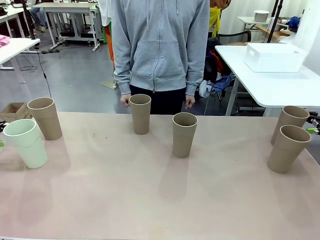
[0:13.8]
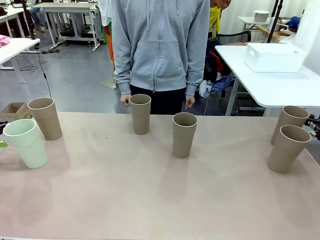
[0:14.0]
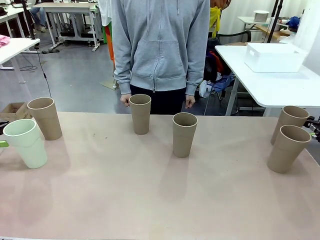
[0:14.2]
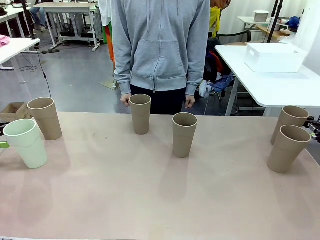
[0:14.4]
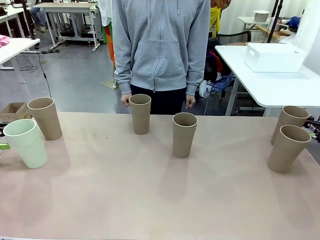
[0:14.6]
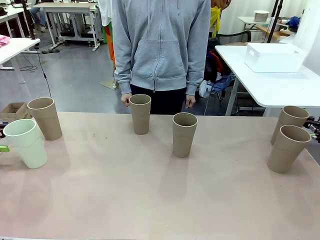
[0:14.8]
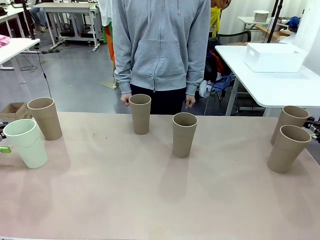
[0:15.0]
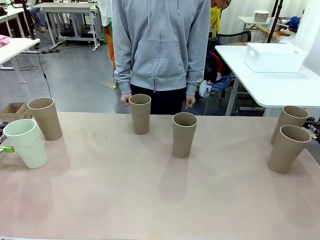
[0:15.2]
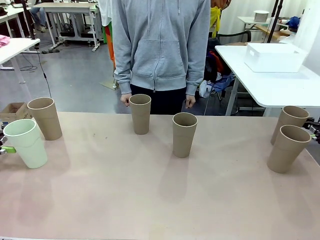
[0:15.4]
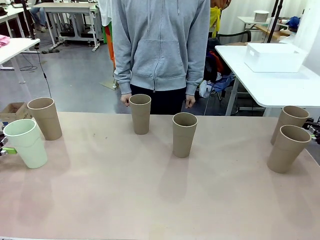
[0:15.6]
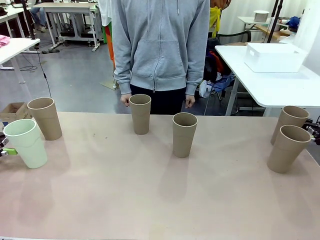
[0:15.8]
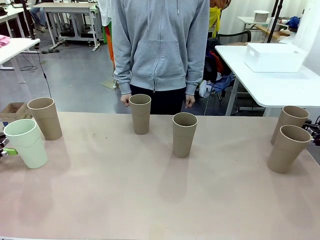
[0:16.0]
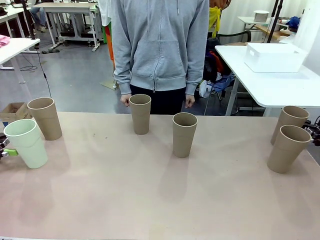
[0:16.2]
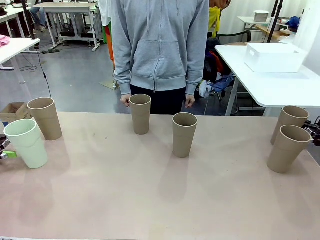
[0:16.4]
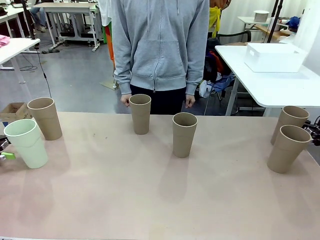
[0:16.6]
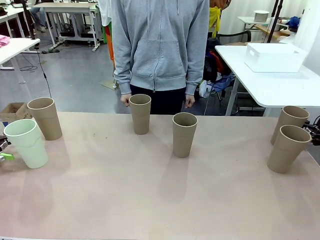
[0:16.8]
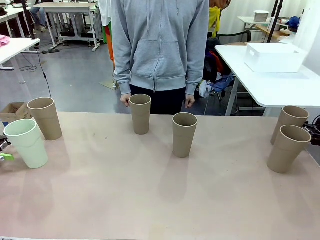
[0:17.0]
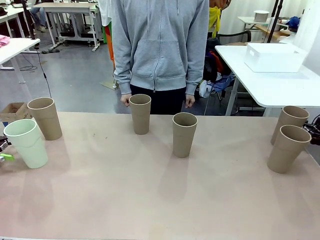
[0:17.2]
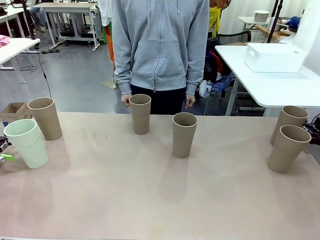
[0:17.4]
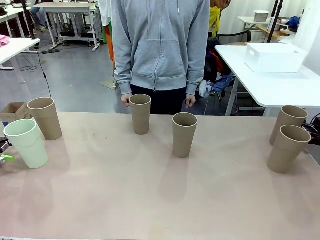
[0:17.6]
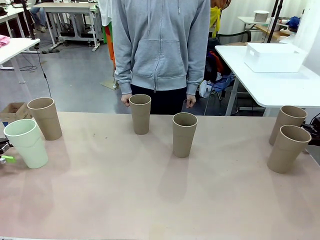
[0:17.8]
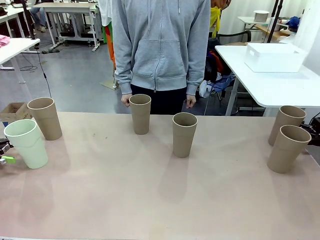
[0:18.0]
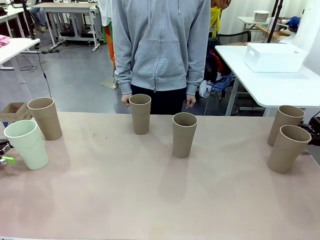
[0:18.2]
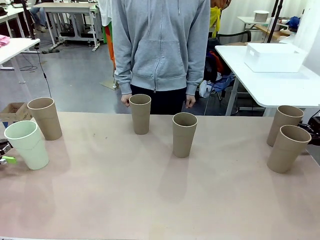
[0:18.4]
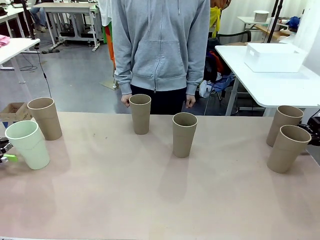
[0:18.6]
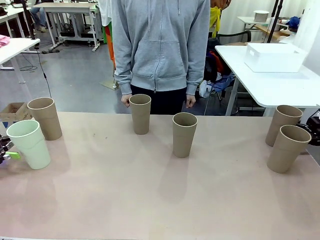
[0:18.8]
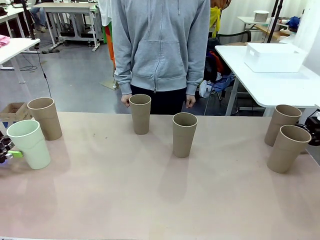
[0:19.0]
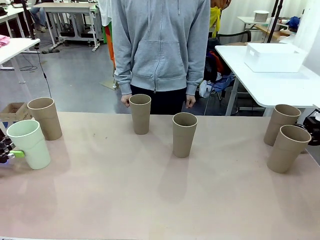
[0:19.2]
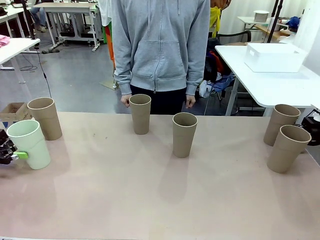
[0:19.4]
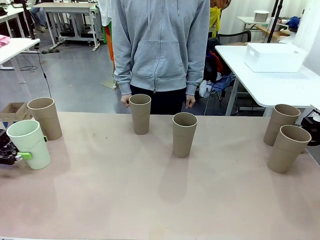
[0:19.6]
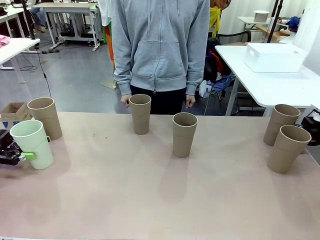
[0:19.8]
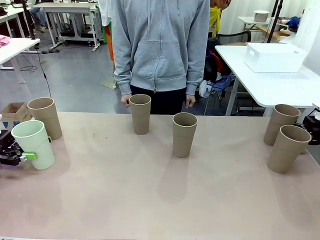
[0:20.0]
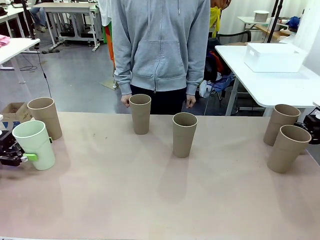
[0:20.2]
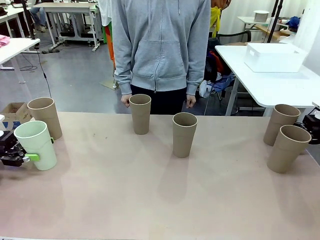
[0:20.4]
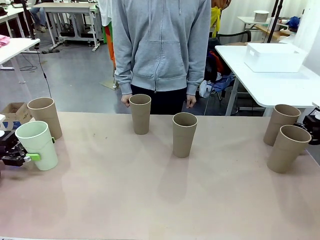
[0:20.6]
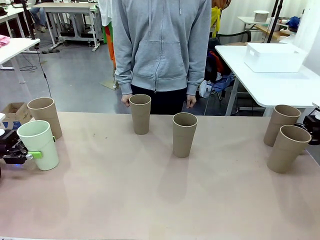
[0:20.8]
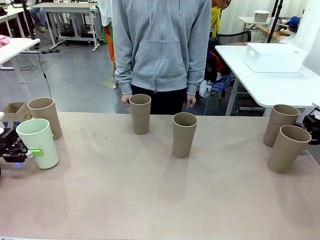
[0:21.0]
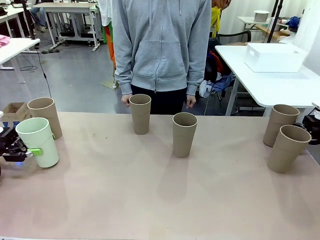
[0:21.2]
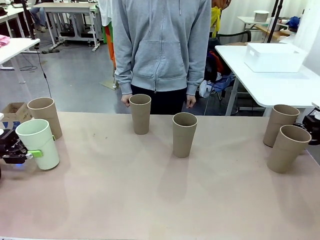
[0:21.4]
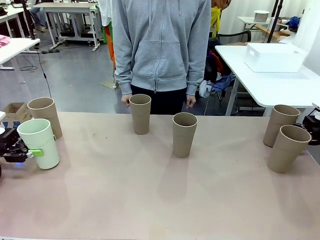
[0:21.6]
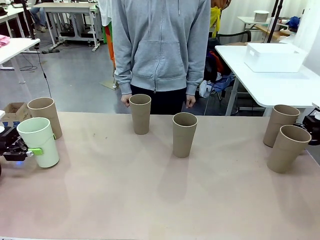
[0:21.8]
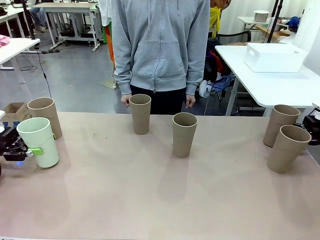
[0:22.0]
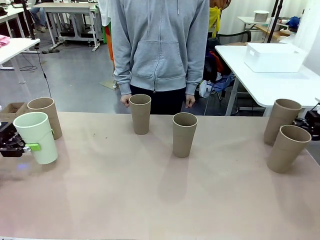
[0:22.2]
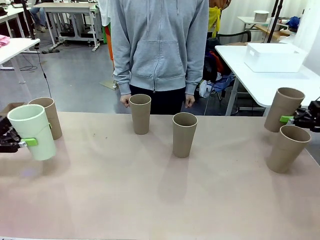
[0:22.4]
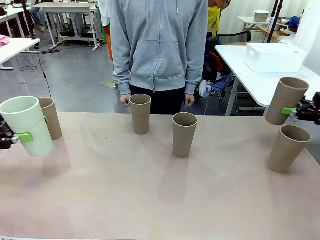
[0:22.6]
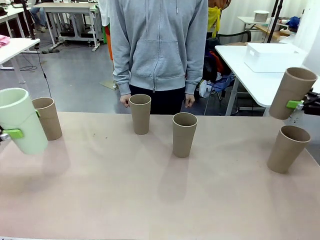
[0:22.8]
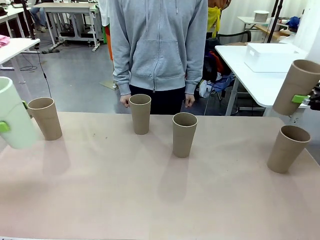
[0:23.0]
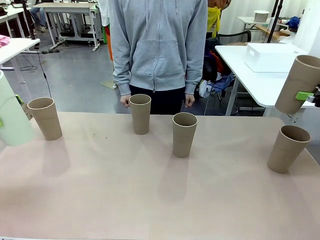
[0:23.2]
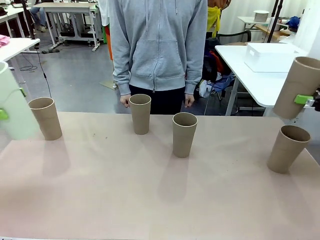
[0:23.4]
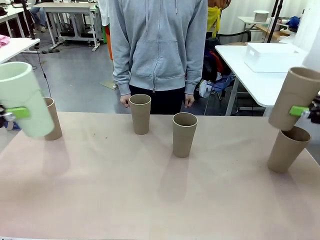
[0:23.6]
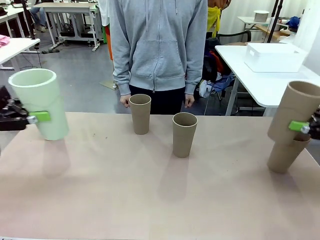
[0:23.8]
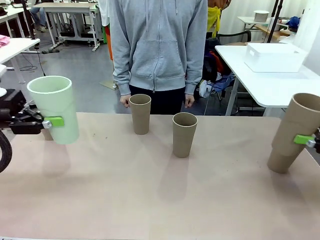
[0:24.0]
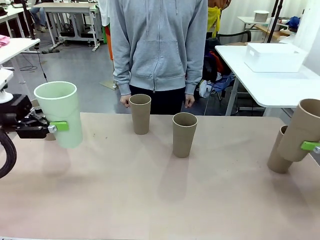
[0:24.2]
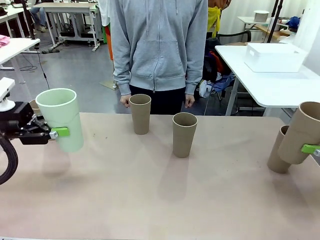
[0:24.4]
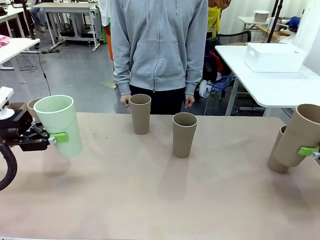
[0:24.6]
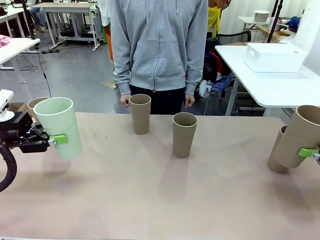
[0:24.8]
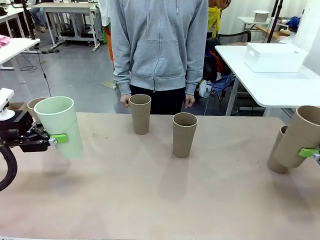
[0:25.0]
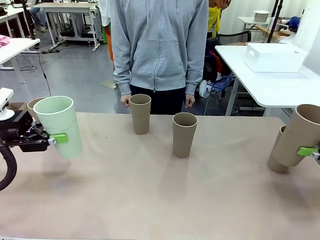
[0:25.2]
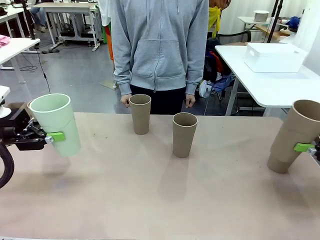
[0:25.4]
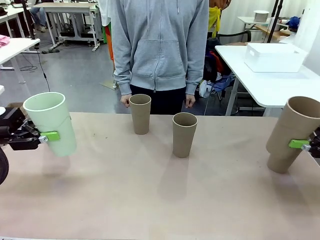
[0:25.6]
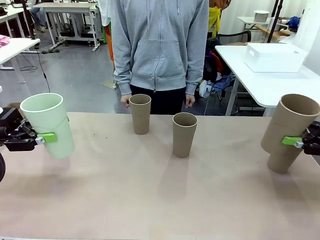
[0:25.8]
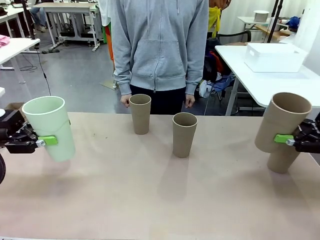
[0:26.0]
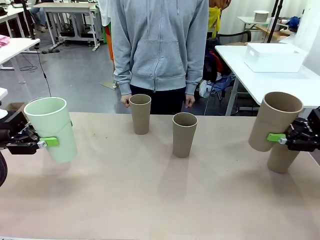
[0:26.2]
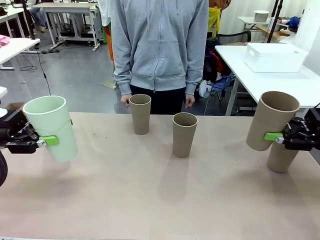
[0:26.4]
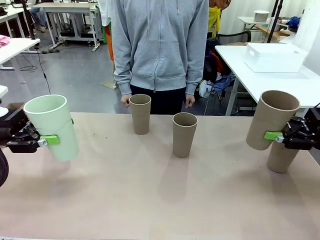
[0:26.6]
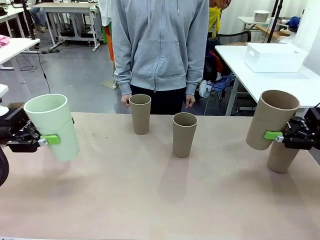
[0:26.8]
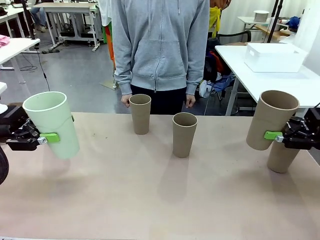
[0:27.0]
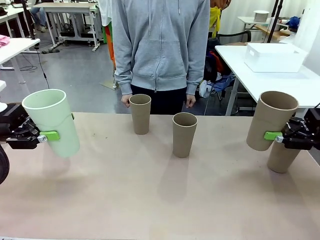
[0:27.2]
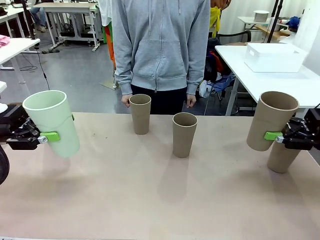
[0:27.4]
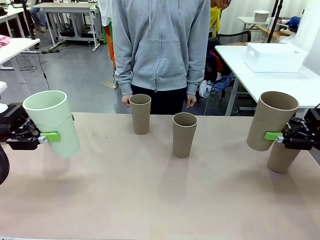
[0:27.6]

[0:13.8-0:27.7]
Task: Stack the cups and store them in the basket.
Robot: Pick up two Reusable plastic cups , one in each hand.

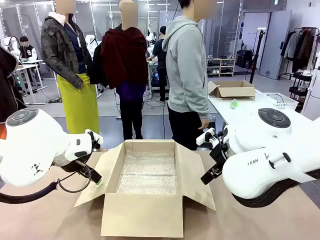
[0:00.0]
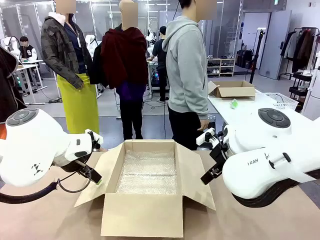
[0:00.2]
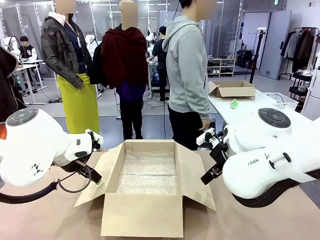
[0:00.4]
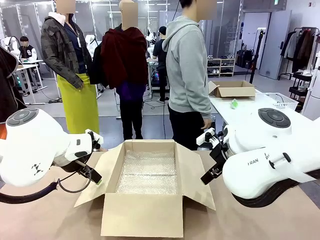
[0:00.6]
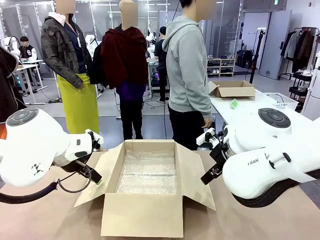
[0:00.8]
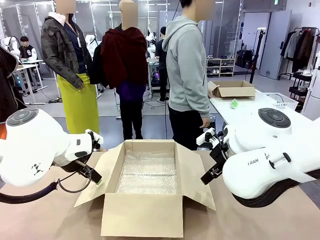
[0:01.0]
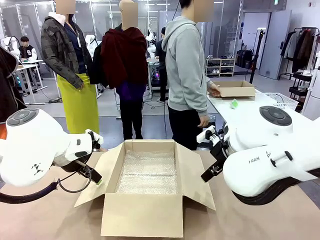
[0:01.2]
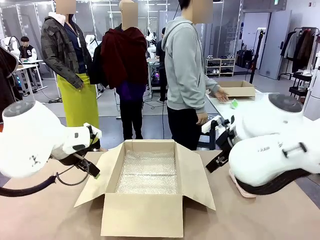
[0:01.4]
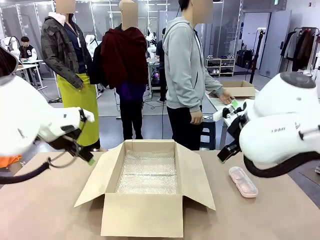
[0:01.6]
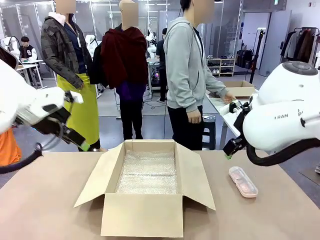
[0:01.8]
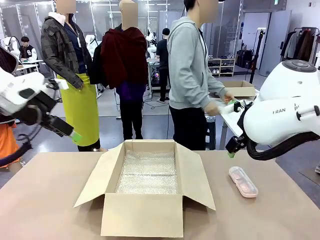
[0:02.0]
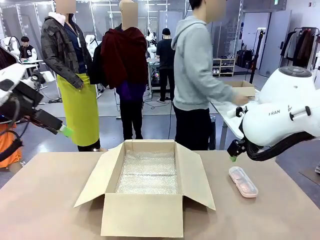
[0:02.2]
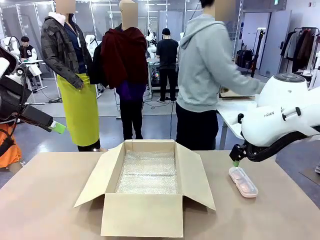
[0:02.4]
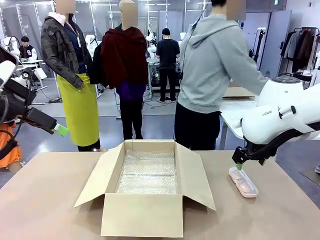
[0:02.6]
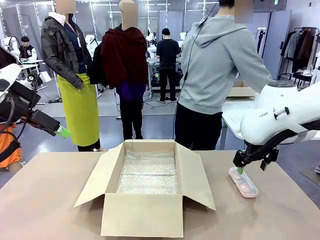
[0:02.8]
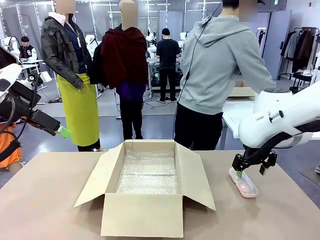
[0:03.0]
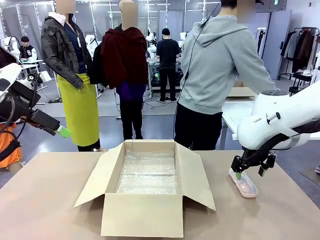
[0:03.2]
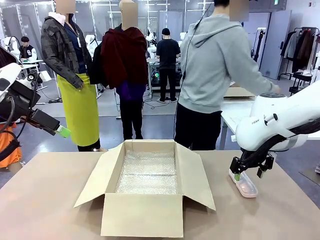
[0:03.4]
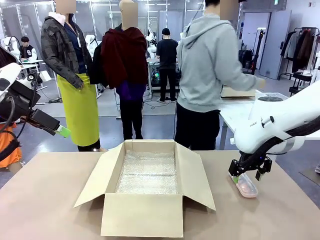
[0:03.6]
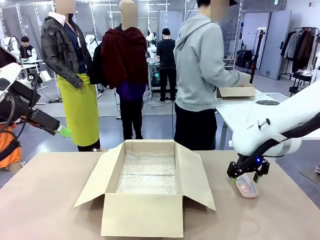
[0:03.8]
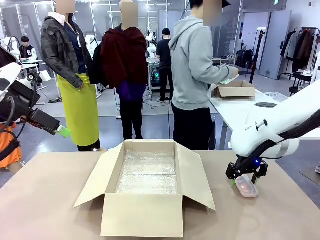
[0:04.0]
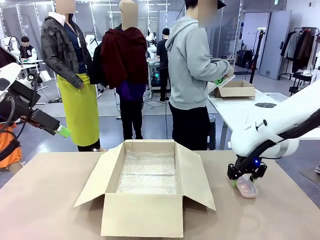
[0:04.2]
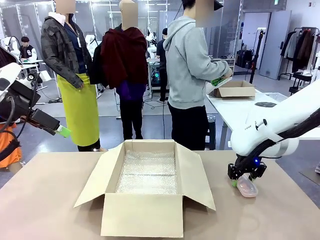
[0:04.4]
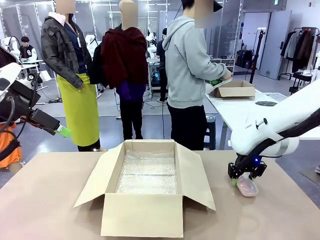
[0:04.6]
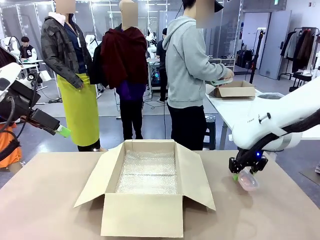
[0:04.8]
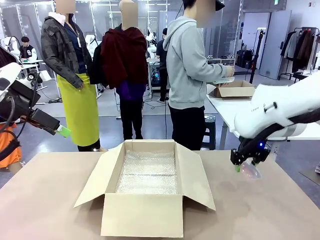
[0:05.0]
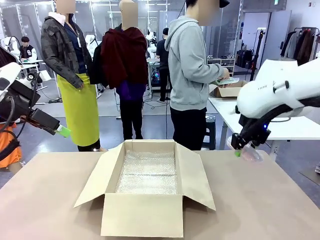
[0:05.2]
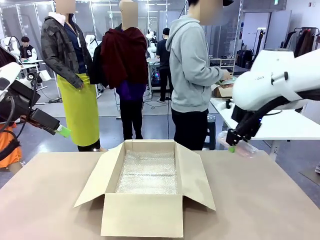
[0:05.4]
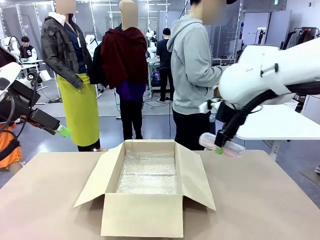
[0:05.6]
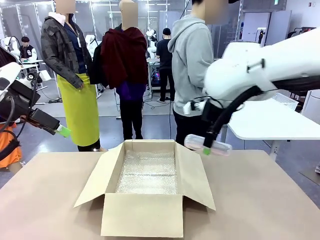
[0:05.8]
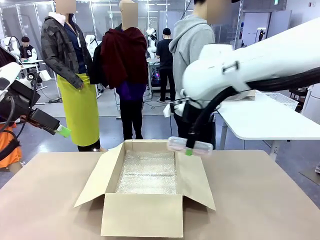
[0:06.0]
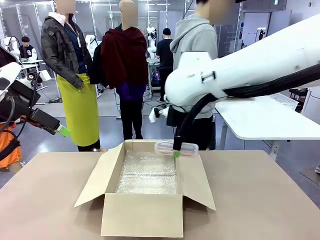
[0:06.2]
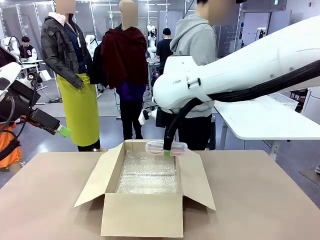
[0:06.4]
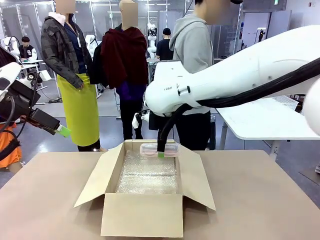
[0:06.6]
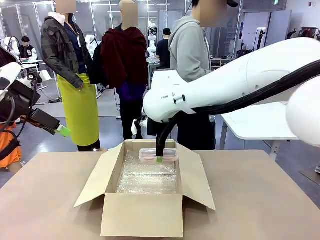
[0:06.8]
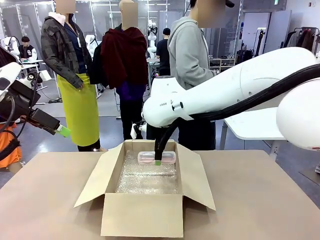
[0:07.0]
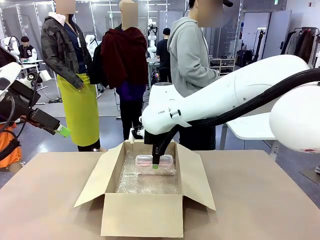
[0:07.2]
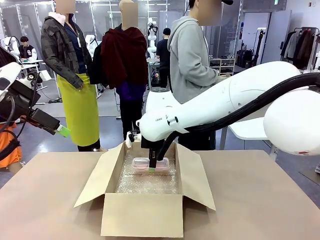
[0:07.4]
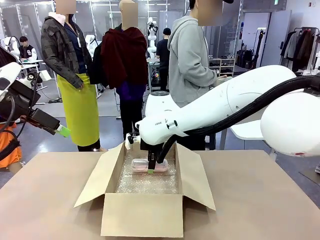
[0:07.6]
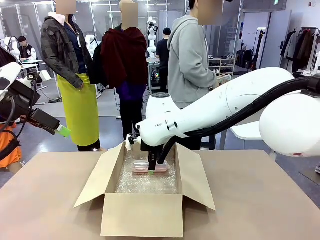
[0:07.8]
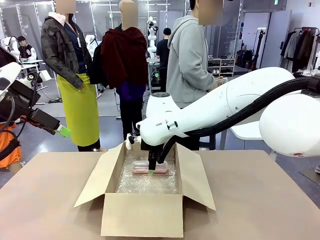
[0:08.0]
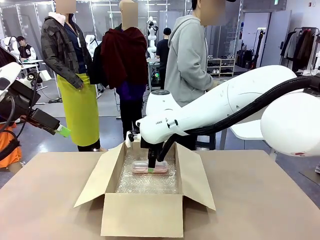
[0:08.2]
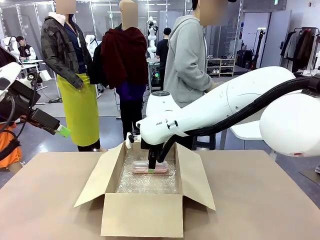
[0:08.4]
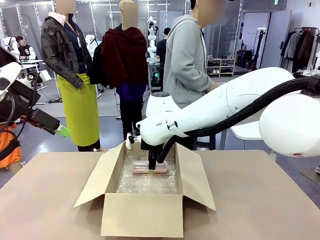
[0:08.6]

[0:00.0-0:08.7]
Task: Pack the glasses set securely to prepare it for shipping.
Robot: Place the Glasses case inside the Package Box.
Person: Place the Glasses inside the Glasses case.
